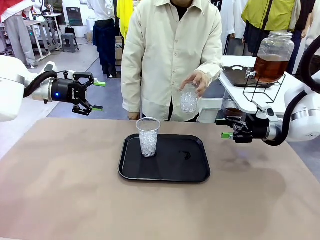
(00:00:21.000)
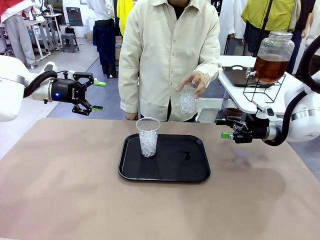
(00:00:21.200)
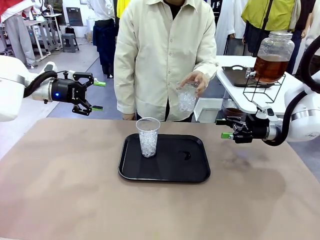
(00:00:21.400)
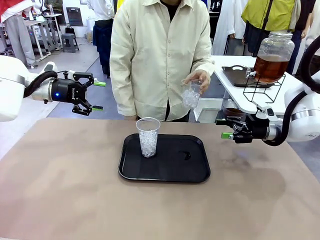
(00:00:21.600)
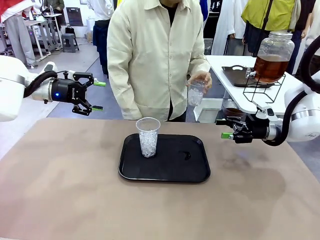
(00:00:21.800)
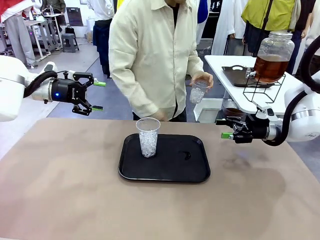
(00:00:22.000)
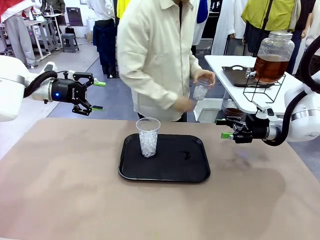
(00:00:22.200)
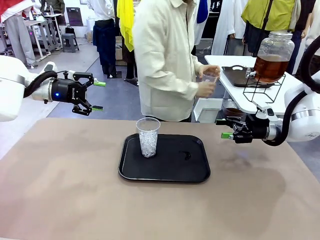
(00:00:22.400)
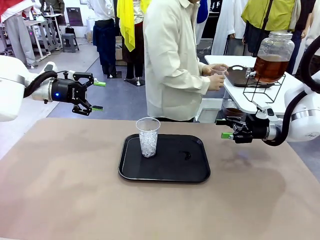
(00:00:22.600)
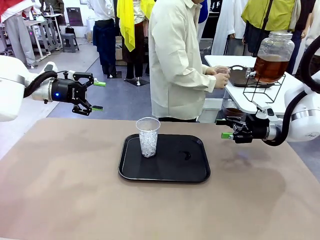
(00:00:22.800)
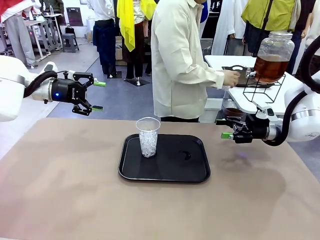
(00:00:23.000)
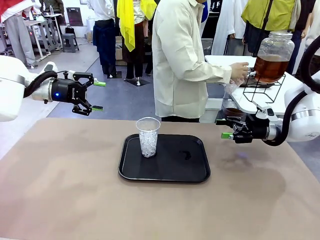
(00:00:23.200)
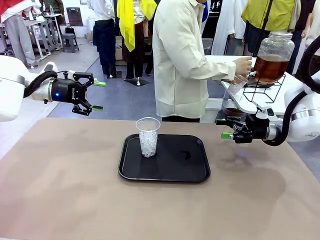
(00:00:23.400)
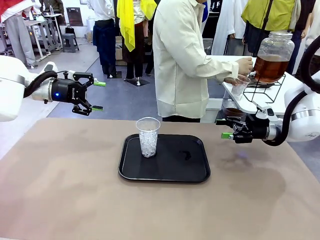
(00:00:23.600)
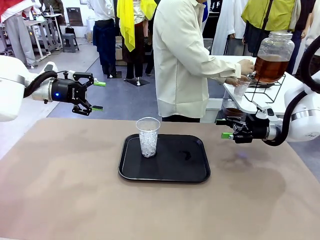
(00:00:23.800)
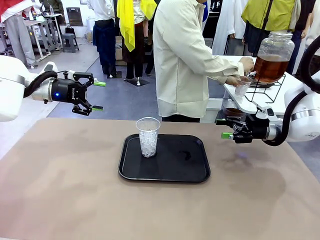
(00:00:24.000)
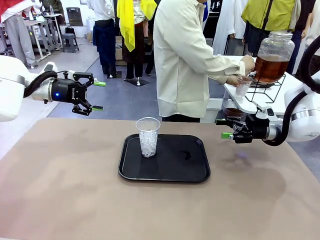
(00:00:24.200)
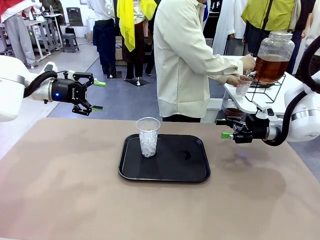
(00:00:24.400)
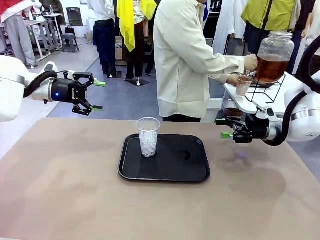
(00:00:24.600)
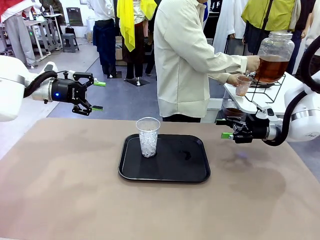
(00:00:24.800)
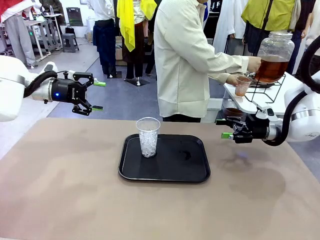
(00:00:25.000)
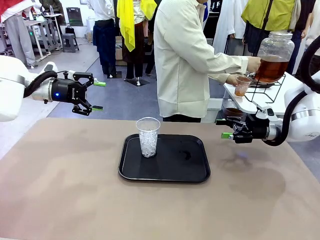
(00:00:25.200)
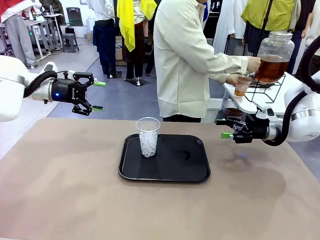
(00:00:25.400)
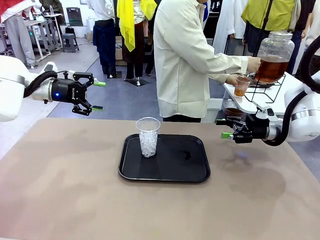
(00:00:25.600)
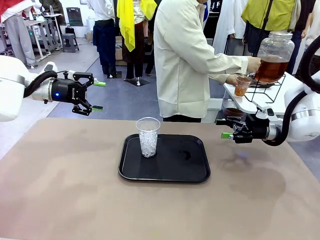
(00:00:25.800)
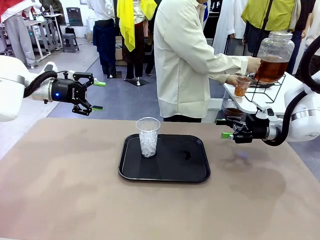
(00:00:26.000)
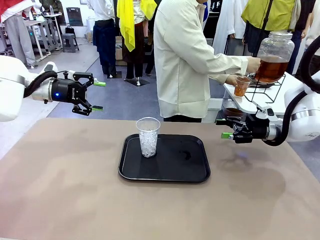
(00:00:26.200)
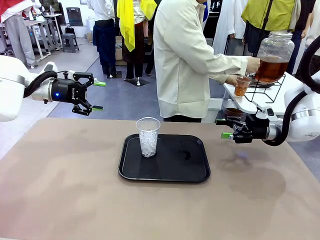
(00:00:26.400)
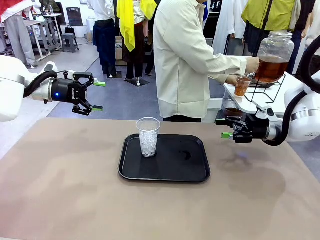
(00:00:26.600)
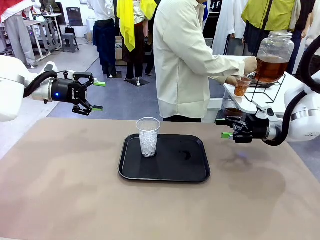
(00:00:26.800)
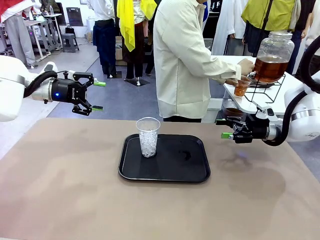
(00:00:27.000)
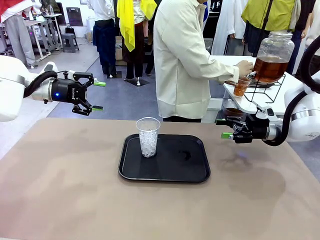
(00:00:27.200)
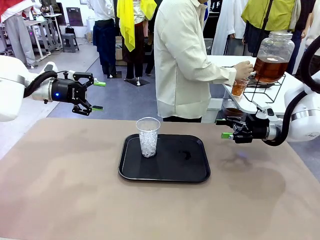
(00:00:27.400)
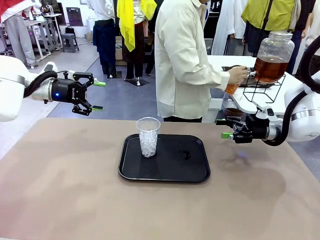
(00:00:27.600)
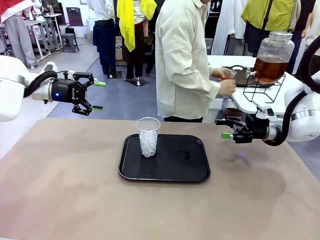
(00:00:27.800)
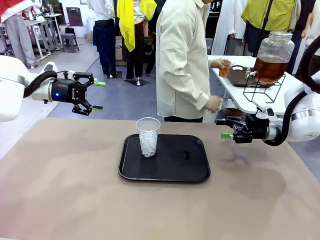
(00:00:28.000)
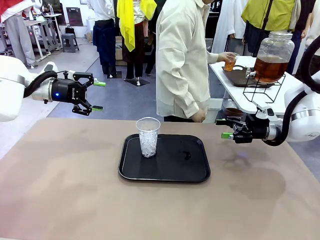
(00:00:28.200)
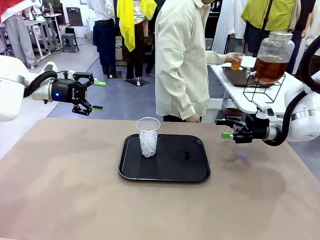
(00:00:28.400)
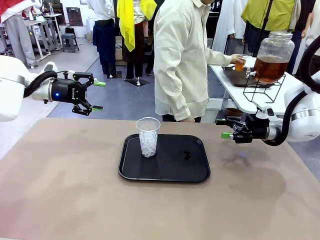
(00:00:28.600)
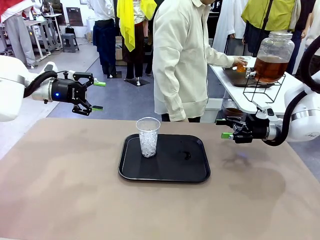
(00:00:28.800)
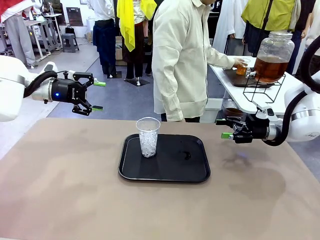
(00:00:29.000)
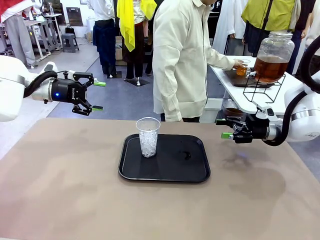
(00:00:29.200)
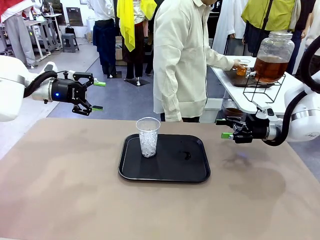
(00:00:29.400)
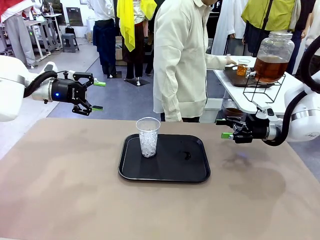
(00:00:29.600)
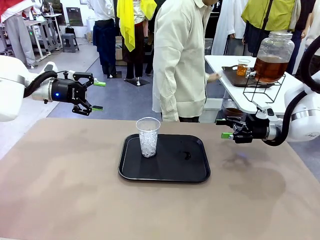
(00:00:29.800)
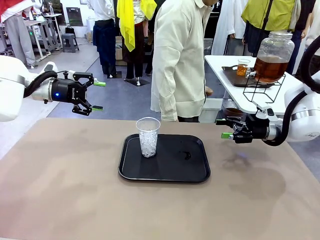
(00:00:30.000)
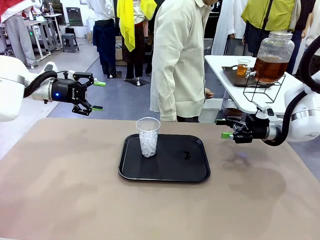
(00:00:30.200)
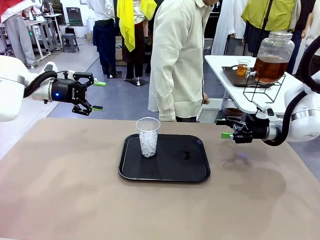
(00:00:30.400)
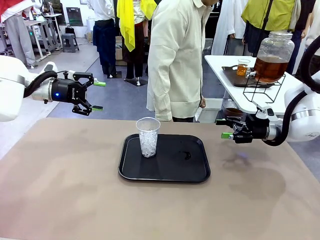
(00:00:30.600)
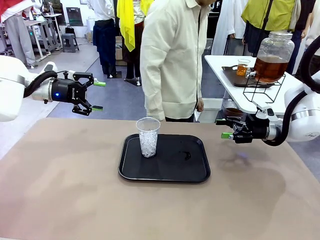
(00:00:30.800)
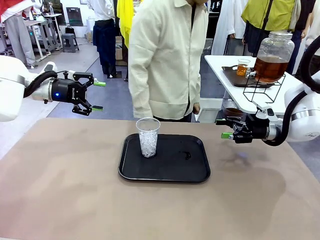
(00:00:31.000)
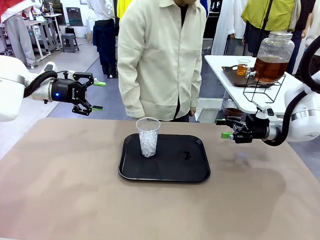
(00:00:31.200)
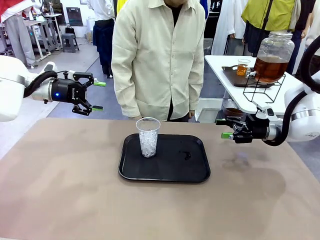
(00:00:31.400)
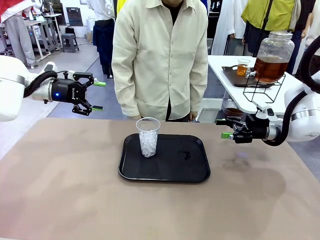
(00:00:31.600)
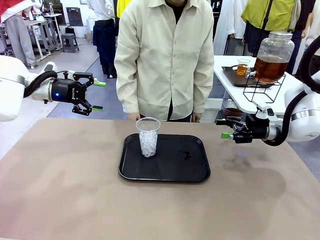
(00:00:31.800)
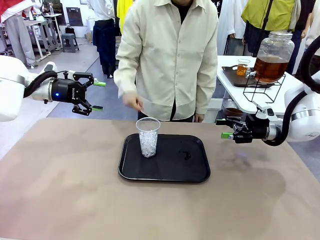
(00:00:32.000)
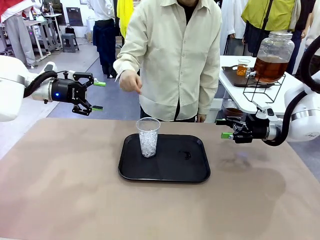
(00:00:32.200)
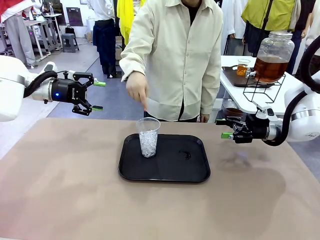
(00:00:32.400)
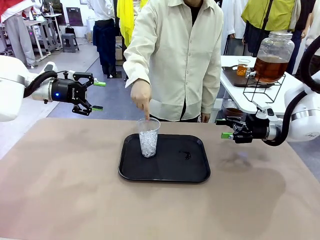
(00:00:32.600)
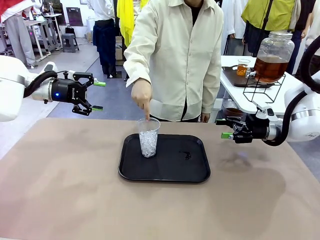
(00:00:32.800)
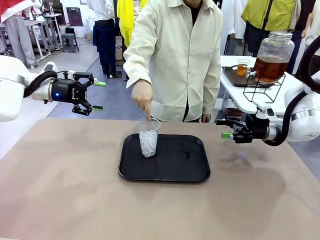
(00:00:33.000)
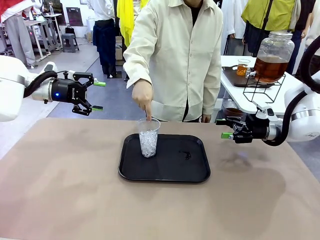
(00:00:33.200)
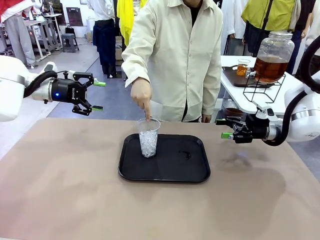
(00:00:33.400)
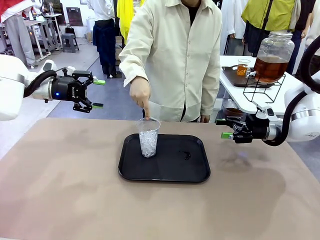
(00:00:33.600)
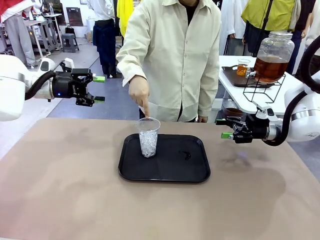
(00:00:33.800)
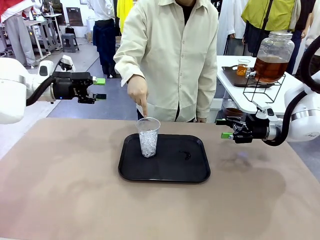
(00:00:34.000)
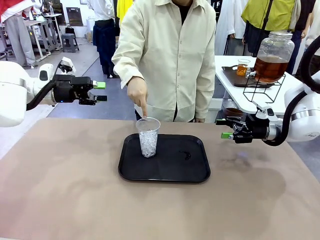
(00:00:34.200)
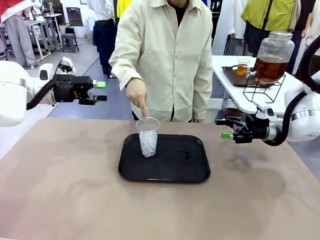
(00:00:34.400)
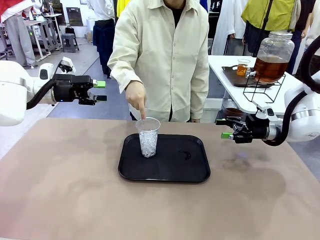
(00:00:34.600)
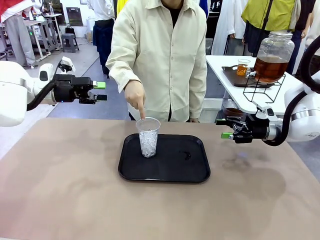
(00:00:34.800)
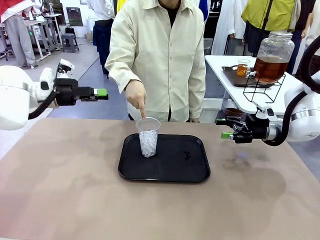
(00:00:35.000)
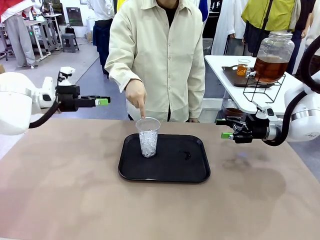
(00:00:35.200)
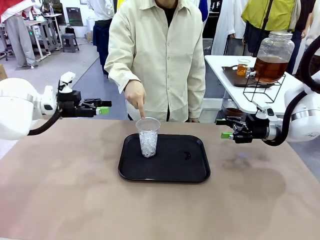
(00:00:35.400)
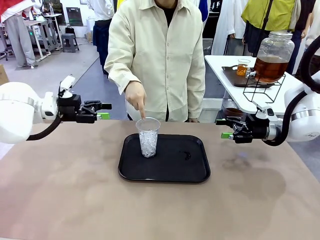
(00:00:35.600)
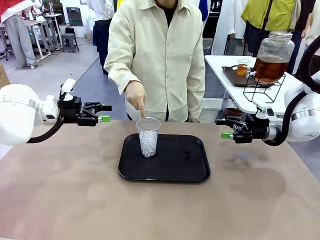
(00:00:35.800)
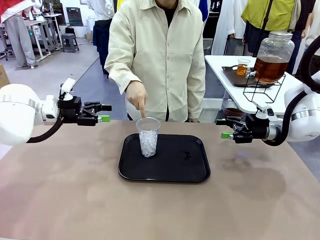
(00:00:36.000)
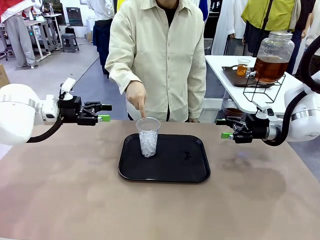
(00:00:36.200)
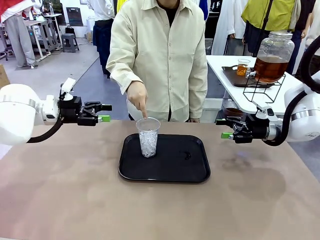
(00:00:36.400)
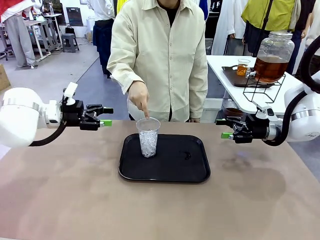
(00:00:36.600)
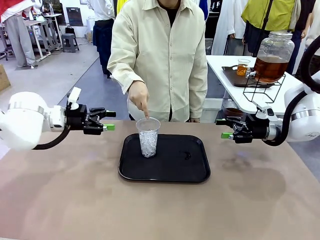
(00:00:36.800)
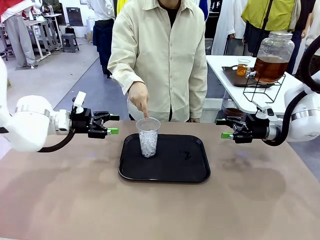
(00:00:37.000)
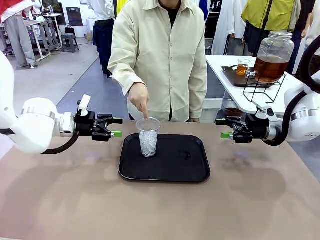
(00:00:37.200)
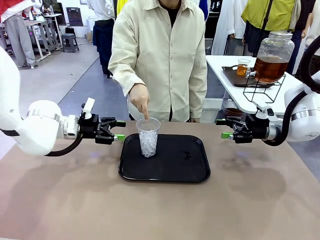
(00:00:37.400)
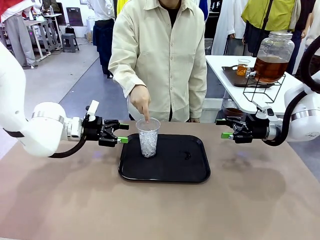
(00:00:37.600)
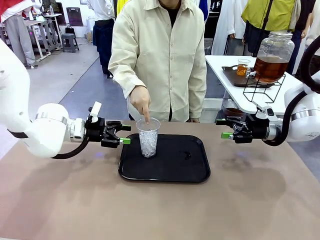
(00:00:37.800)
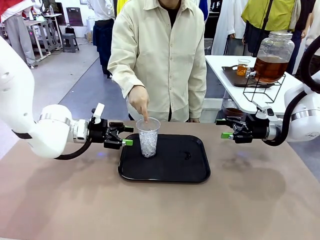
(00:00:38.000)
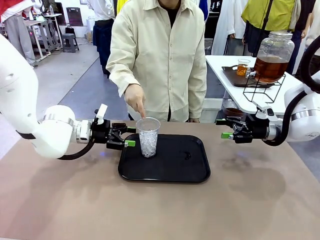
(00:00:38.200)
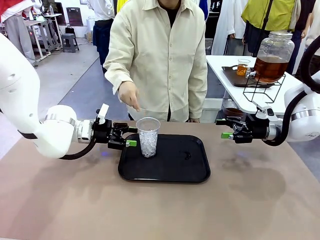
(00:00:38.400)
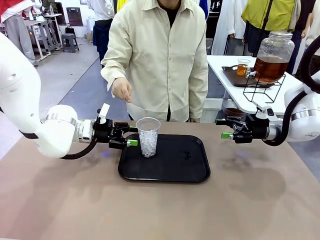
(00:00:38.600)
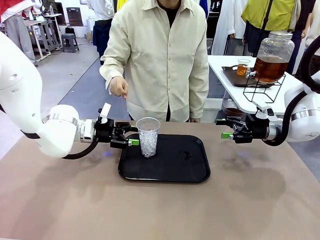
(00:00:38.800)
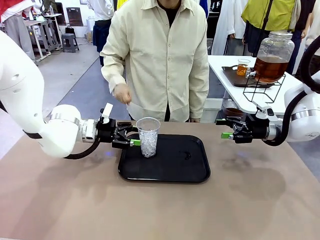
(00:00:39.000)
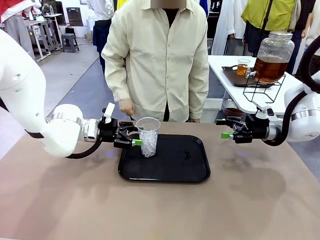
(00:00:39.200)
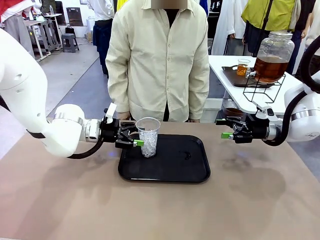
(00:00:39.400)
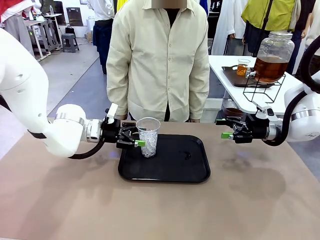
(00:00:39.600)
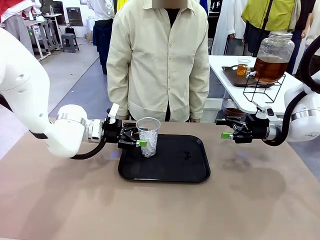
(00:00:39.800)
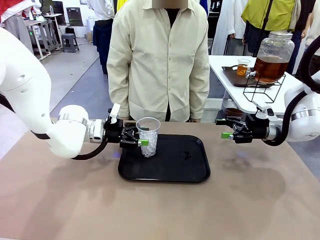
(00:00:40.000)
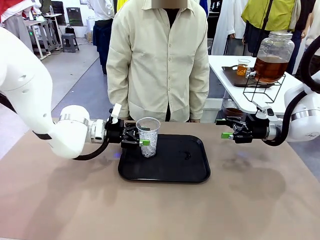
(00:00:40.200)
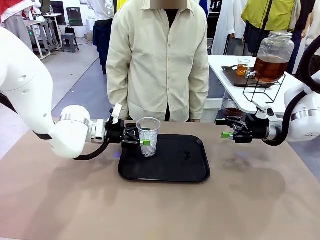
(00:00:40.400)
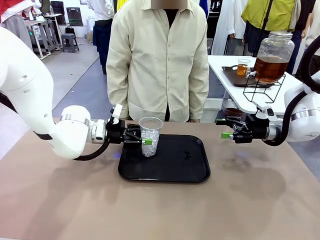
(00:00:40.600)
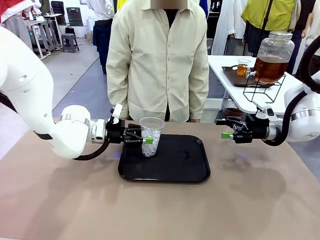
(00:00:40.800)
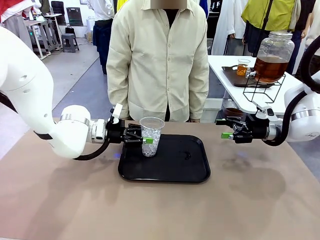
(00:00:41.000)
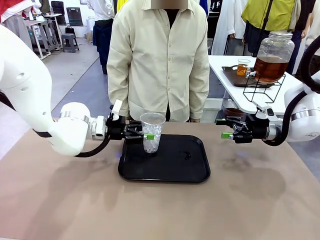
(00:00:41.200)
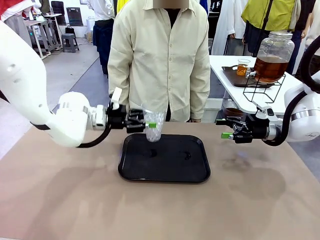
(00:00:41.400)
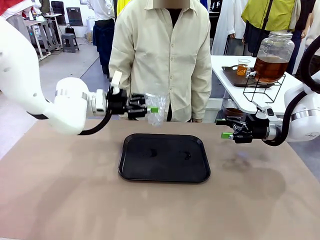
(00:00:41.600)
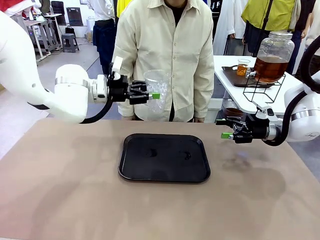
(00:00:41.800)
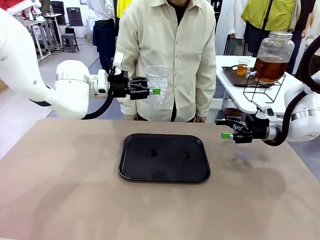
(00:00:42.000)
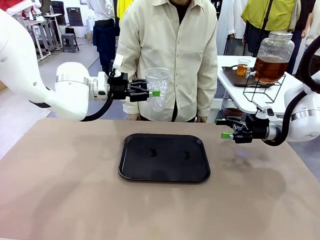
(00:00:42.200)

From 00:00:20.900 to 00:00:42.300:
Task: Pour the drink into the iced cup.
Robot: Pick up the iced cup indicated by the human and present it to them.
Person: Move the picked-up cup under the dispenser faucet, pour the drink, and place it on the tray on the human table. Point to the remaining ice cup on the robot table. Pick up the cup offered by the robot.
